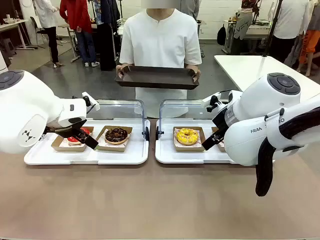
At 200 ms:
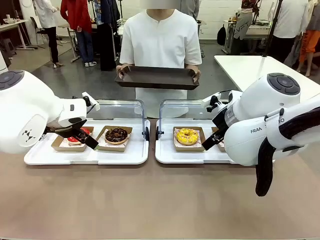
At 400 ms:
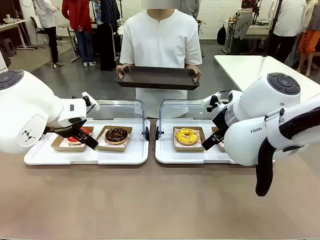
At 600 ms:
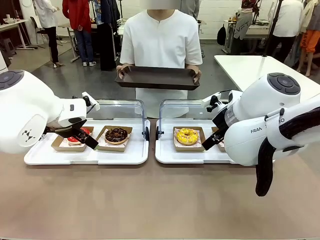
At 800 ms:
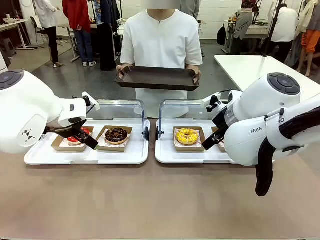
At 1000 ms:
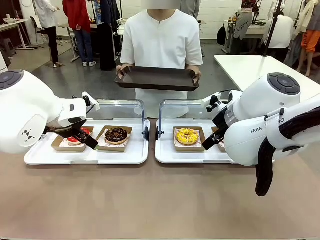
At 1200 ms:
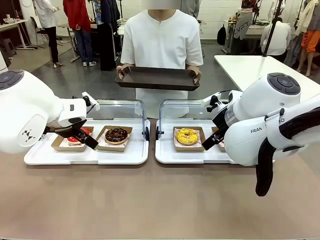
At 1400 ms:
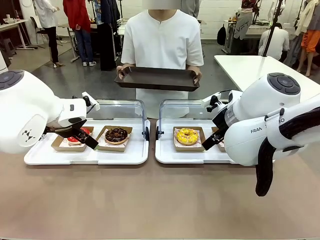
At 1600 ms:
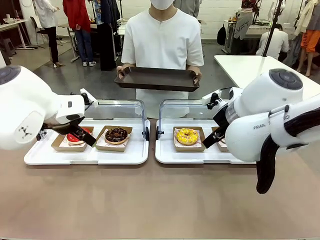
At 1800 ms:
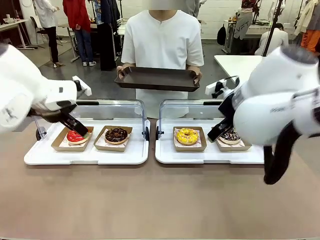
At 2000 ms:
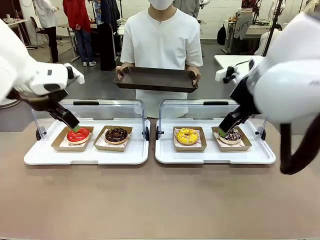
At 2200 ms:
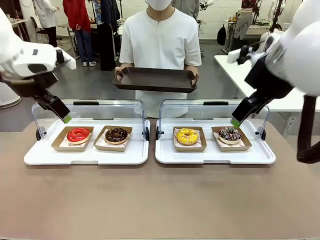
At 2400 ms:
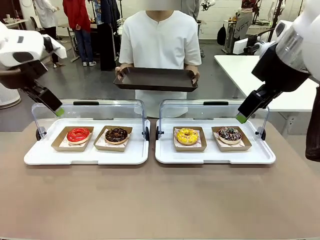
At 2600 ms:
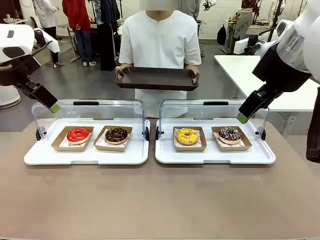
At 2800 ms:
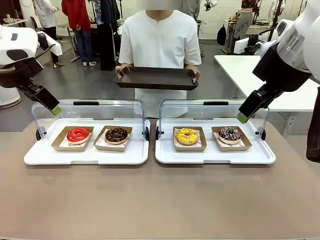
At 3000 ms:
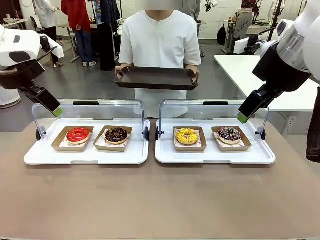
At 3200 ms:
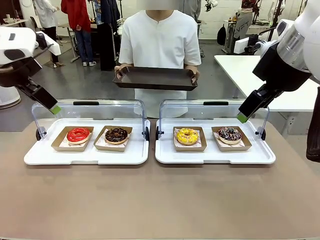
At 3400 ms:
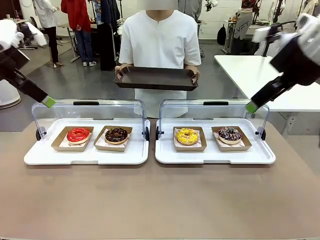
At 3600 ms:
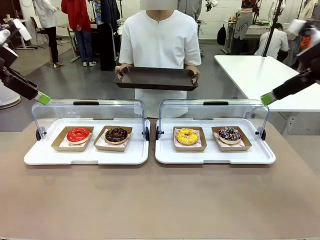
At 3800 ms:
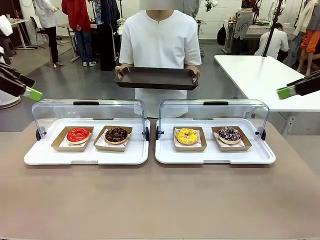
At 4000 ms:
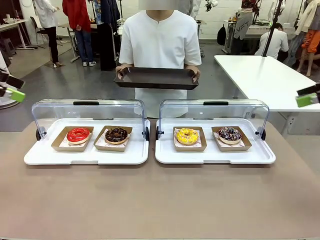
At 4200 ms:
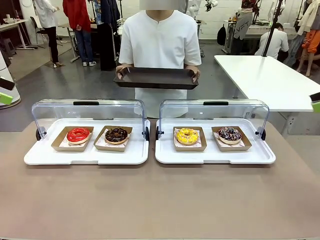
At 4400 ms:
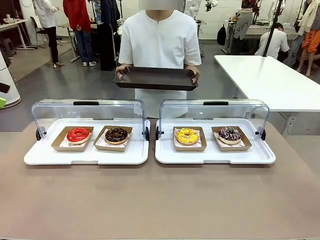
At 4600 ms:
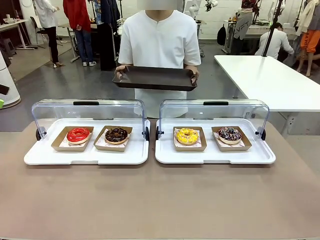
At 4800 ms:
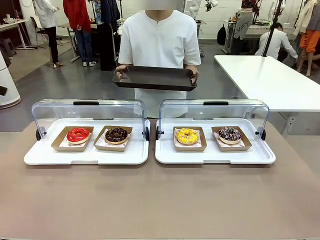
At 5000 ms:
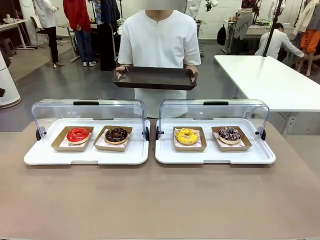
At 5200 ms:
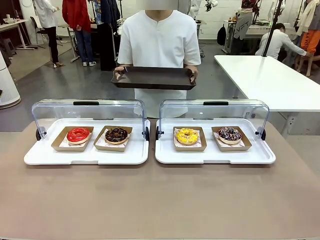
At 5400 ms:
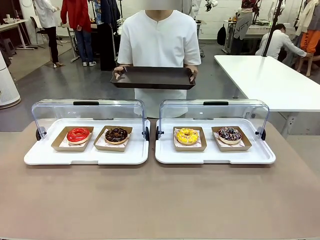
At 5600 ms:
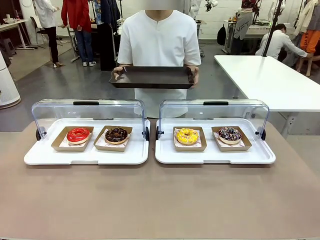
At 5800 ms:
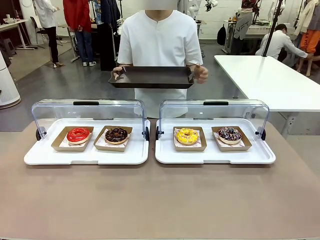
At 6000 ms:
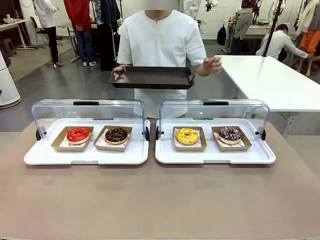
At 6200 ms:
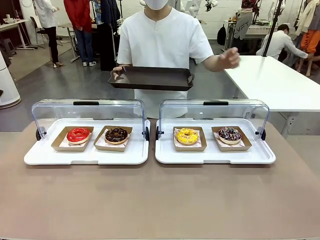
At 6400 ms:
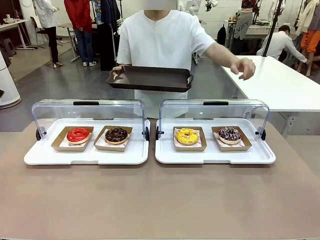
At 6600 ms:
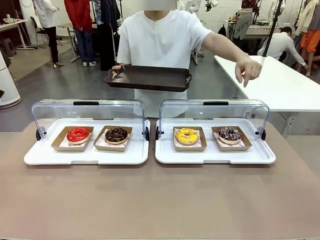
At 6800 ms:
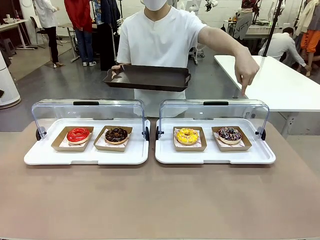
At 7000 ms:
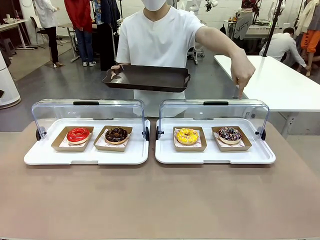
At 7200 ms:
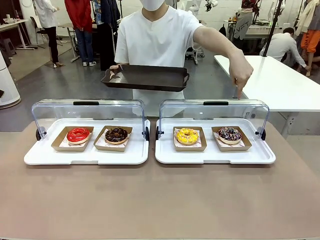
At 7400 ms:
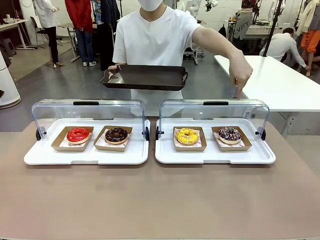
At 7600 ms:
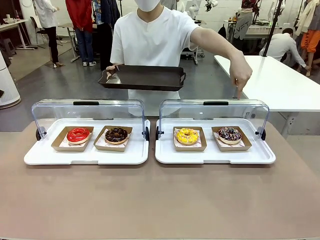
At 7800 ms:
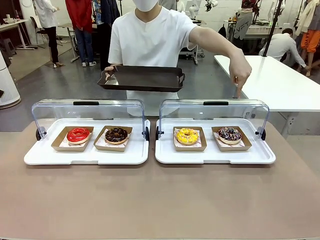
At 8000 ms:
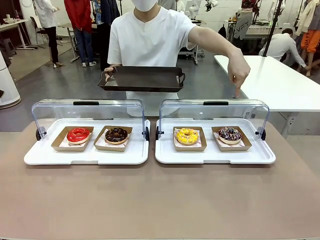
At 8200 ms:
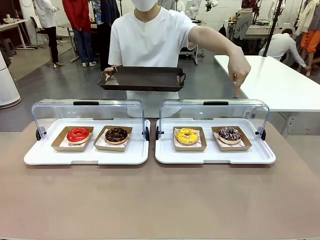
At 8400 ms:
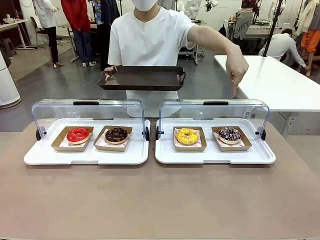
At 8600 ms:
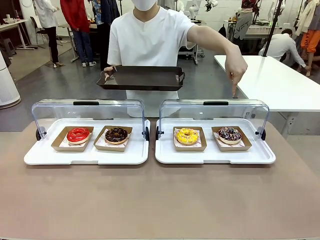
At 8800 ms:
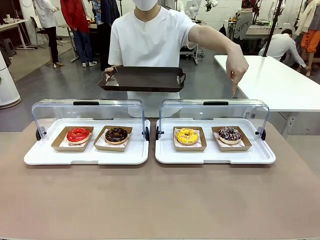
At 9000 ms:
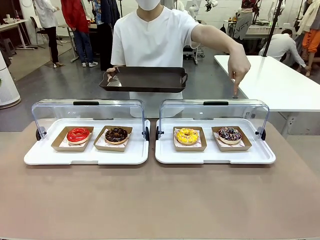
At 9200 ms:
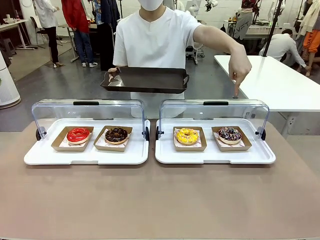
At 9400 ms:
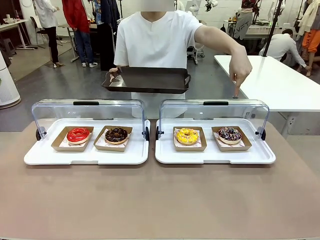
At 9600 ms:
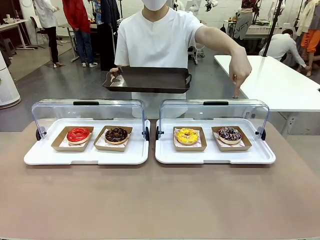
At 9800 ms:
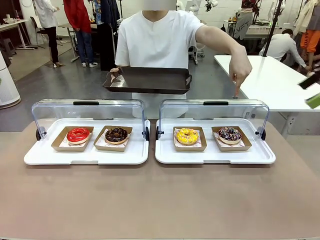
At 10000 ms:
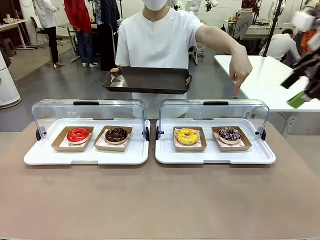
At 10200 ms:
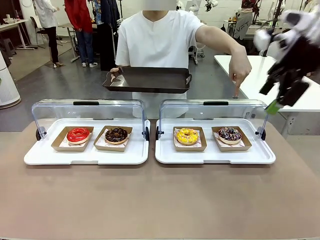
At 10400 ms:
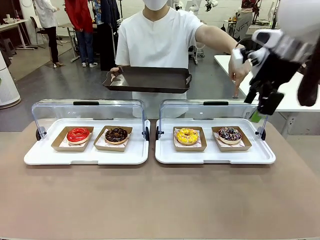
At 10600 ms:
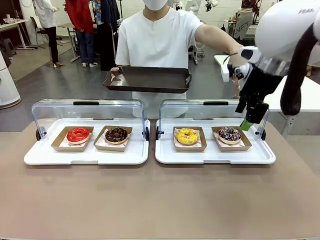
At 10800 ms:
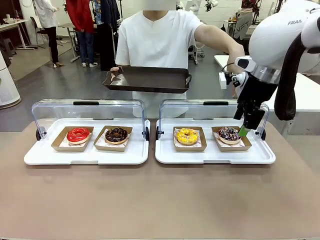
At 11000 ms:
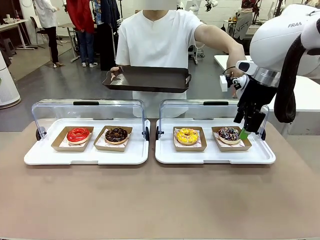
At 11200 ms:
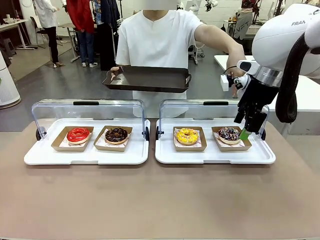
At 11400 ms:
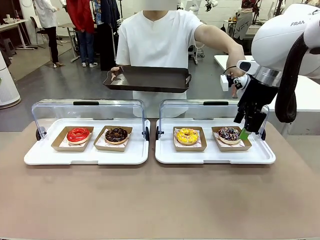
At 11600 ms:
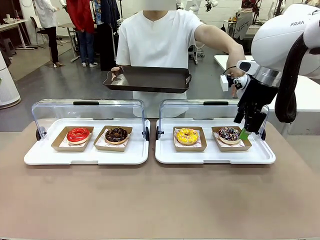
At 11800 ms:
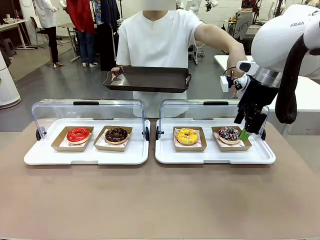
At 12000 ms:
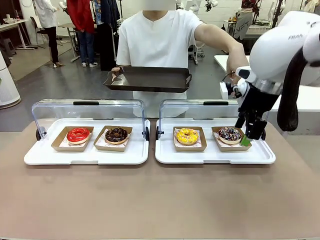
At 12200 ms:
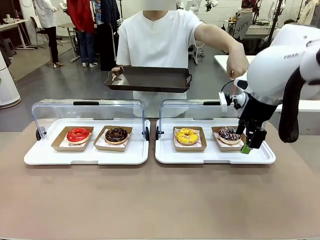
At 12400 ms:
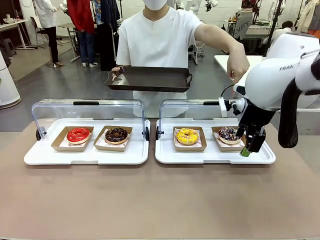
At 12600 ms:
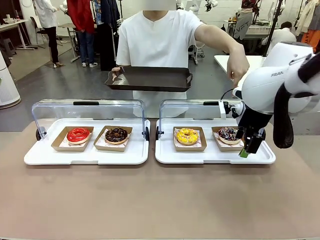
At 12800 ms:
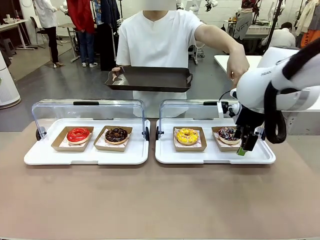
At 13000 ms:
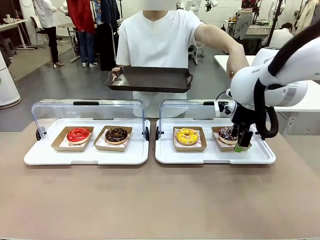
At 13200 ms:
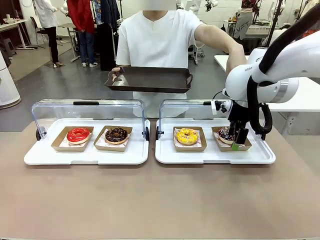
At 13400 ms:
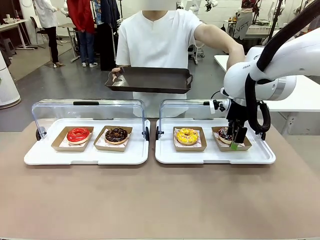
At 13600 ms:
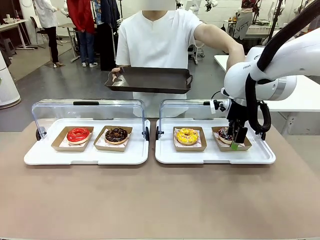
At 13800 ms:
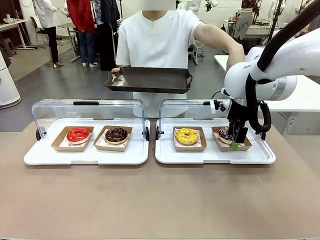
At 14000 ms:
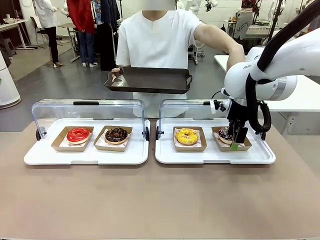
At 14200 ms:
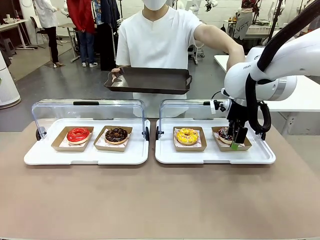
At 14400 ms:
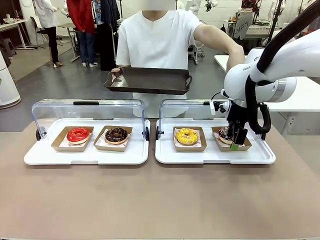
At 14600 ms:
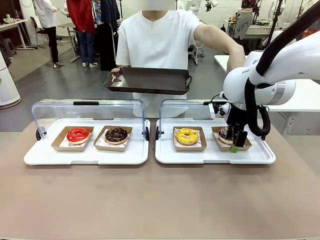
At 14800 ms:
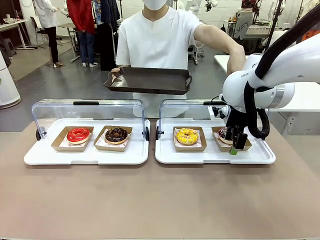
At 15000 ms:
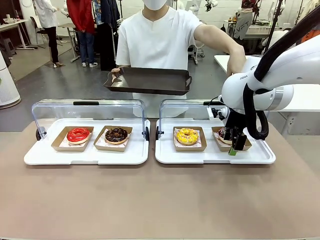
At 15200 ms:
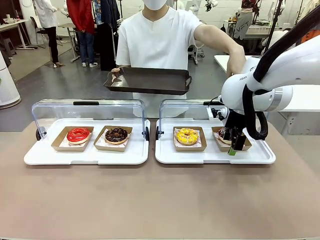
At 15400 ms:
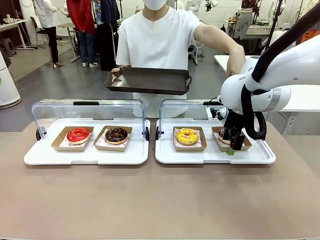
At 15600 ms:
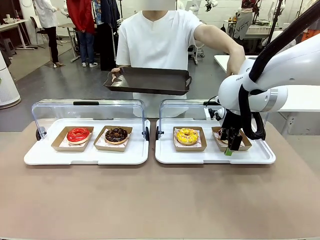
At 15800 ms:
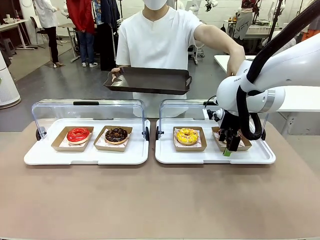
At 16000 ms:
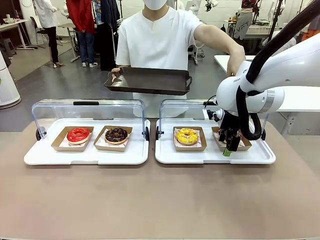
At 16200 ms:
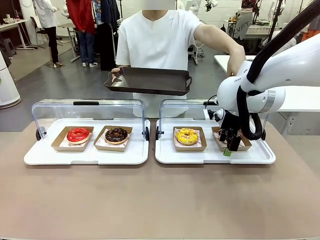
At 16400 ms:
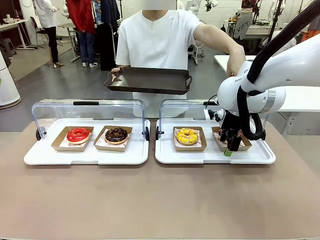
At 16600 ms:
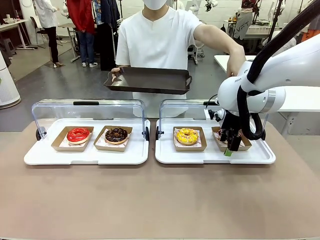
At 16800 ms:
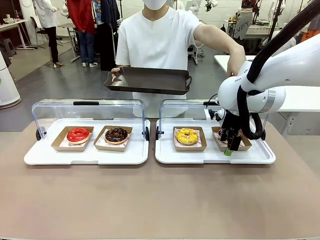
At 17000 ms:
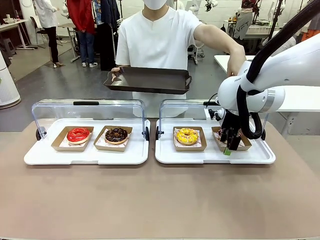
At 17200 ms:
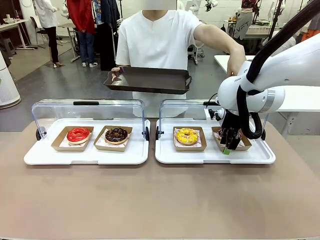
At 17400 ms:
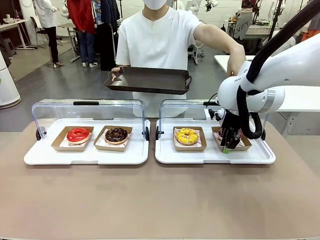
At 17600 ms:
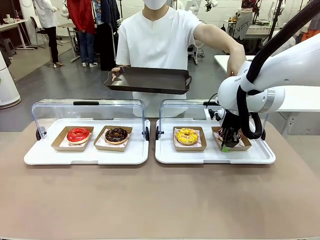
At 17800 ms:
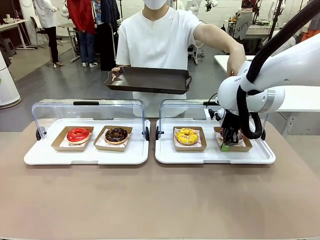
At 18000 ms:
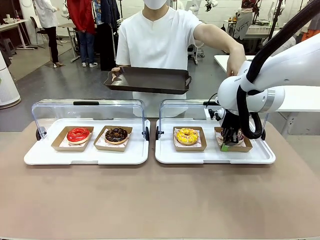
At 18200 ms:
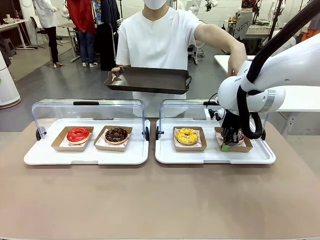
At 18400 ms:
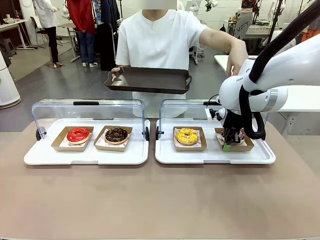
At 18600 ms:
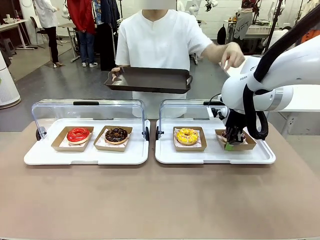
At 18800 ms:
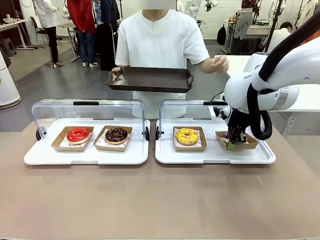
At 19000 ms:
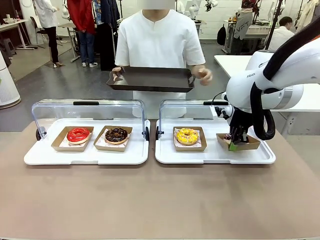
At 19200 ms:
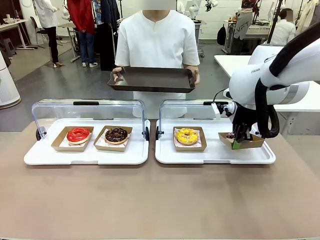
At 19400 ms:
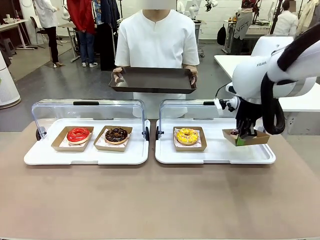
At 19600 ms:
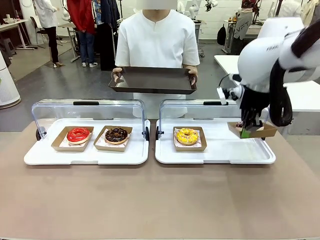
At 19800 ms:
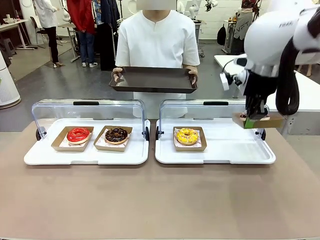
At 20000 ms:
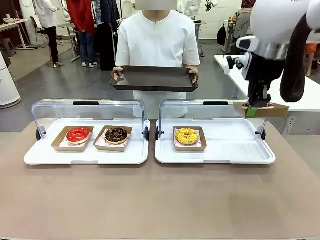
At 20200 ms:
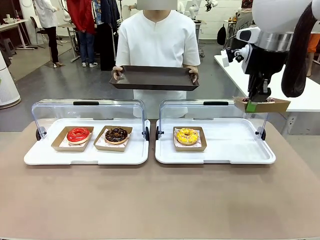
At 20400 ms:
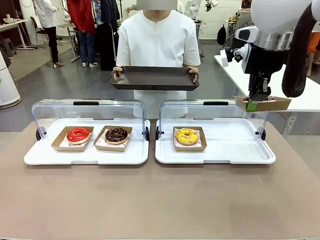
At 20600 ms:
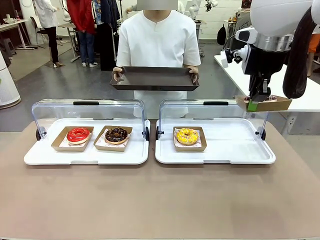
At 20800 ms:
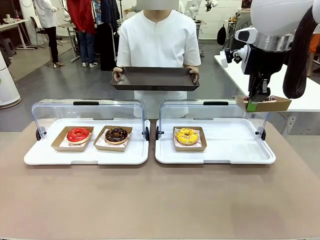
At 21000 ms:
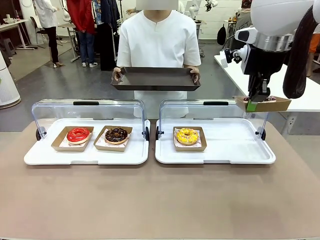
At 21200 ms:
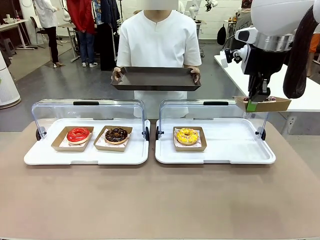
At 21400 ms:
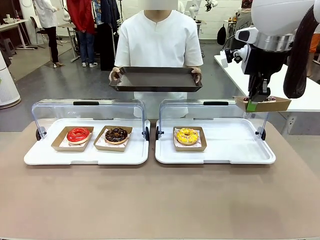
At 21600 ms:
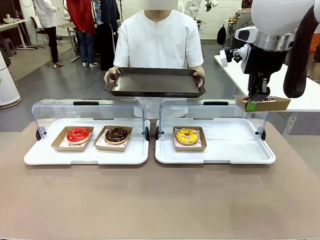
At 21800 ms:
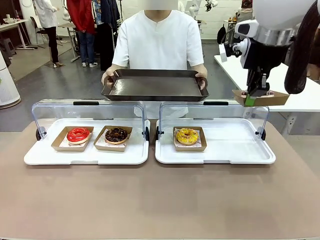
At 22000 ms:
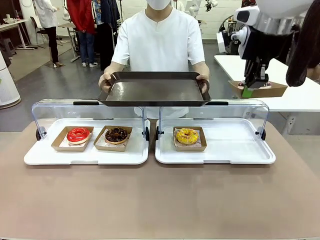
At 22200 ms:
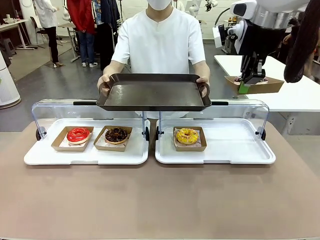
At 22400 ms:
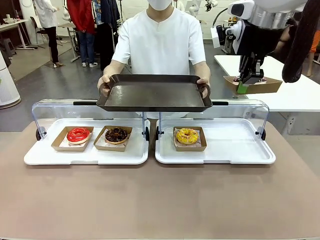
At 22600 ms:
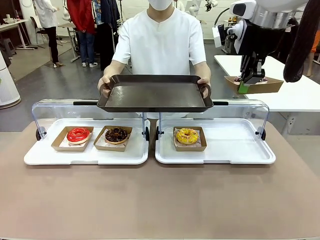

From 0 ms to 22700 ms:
Task: Provide the desired donut to the person.
Robot: Pick up and lift the Paper togo box containing the Donut pointed at by the person.
Person: Point to one donut. Lift the tray onto the Roll-Top Bakery Case.
